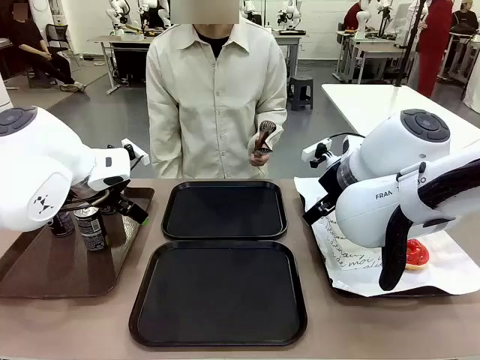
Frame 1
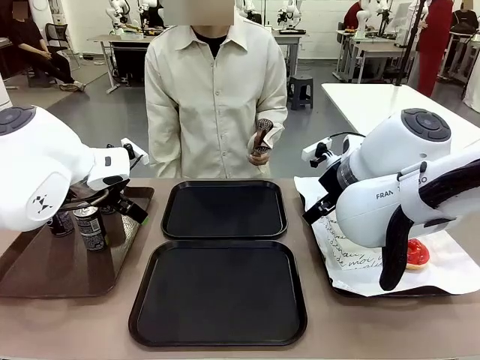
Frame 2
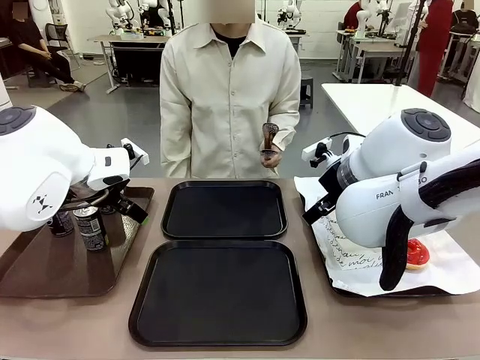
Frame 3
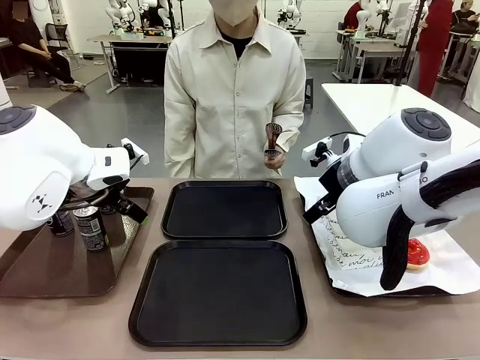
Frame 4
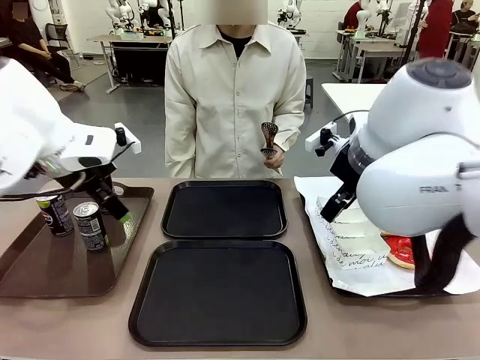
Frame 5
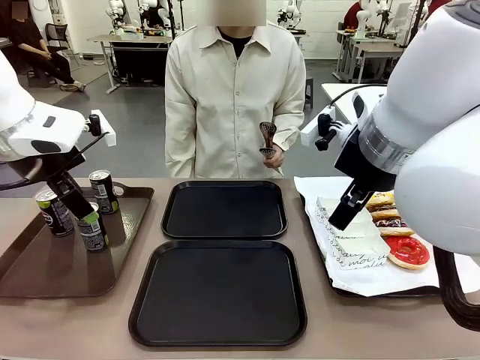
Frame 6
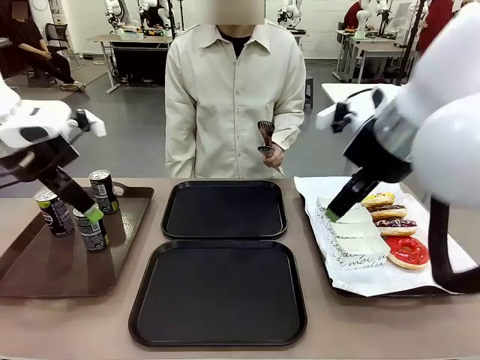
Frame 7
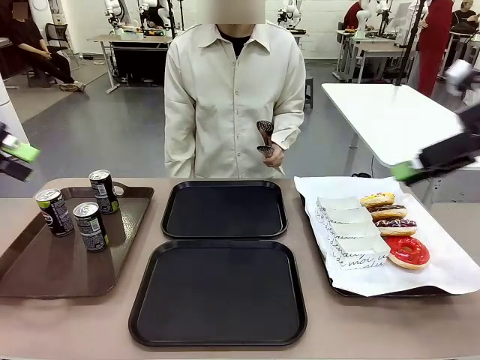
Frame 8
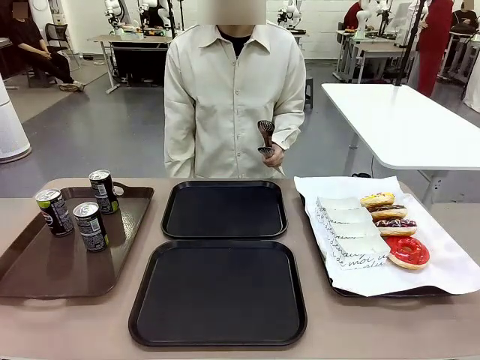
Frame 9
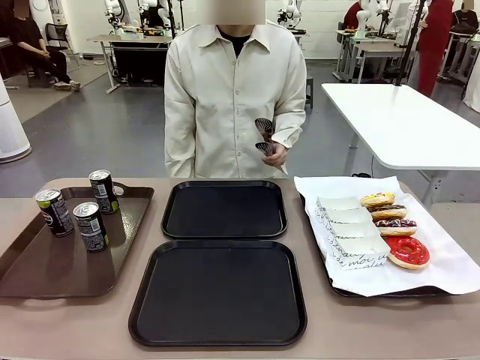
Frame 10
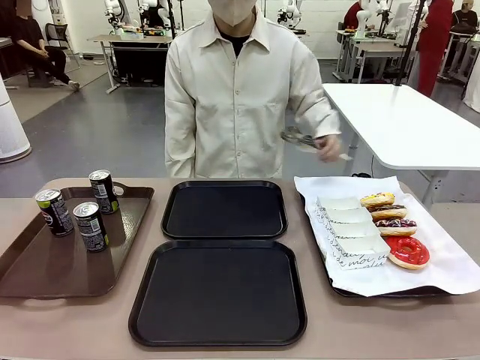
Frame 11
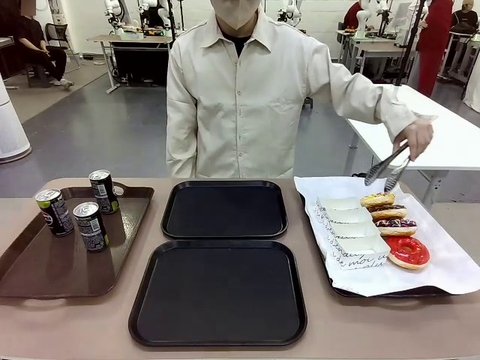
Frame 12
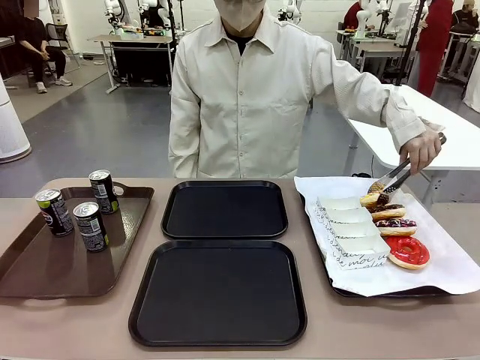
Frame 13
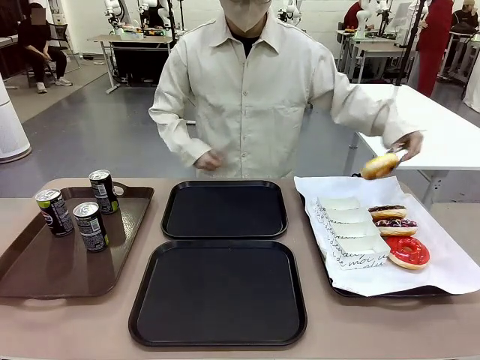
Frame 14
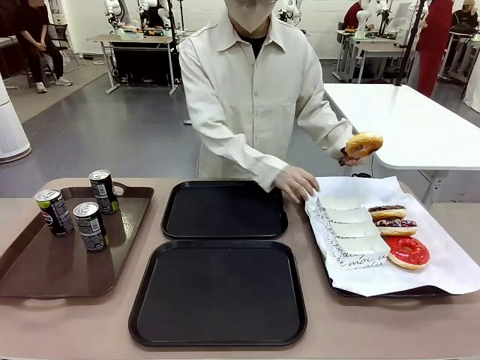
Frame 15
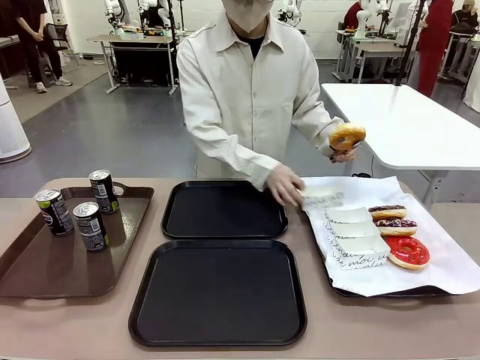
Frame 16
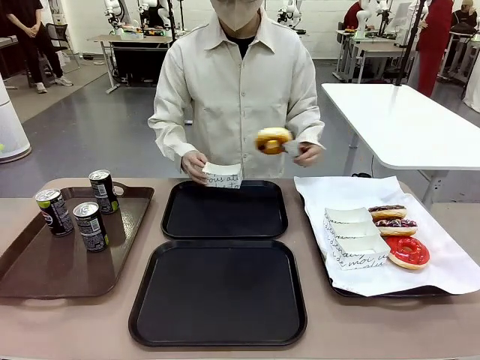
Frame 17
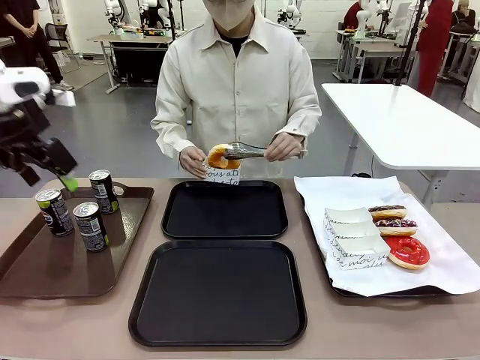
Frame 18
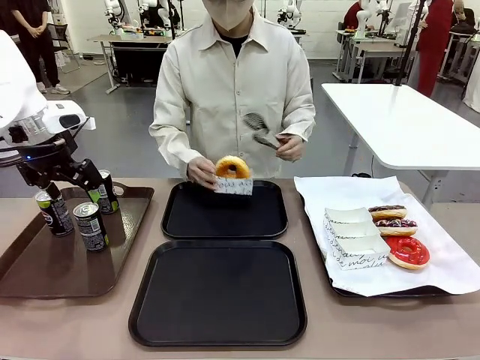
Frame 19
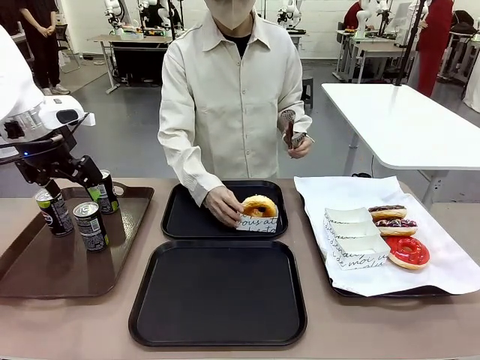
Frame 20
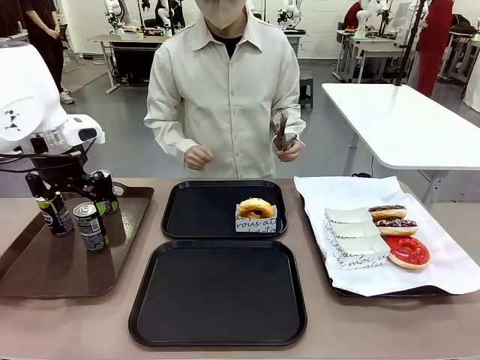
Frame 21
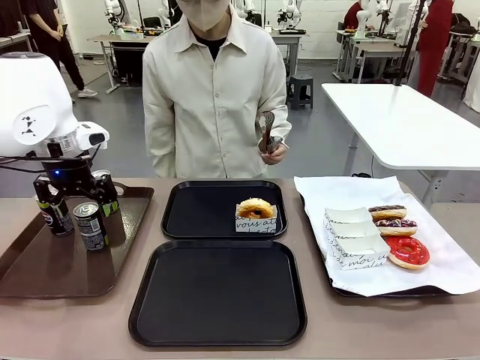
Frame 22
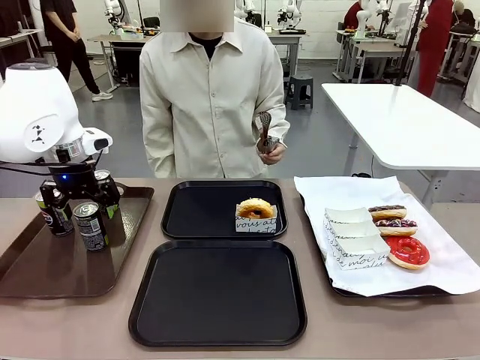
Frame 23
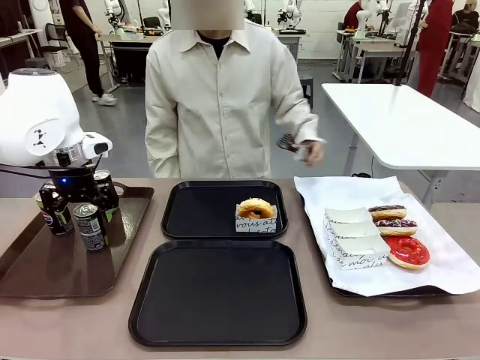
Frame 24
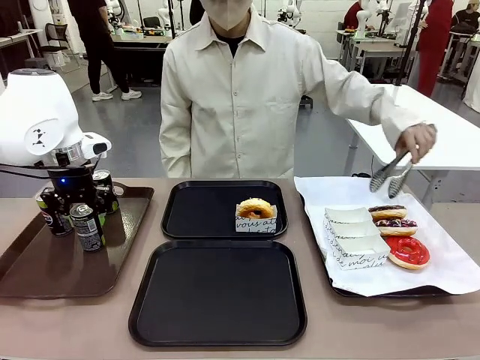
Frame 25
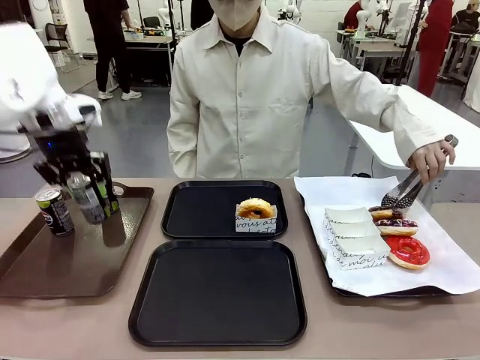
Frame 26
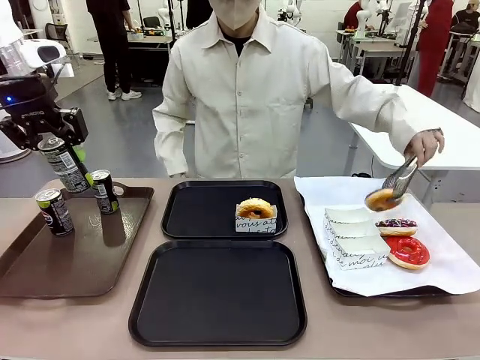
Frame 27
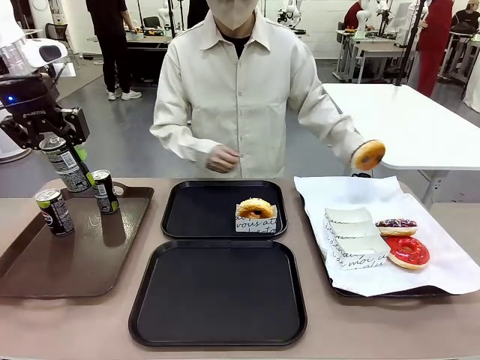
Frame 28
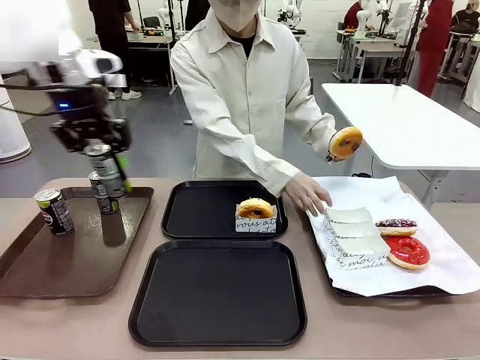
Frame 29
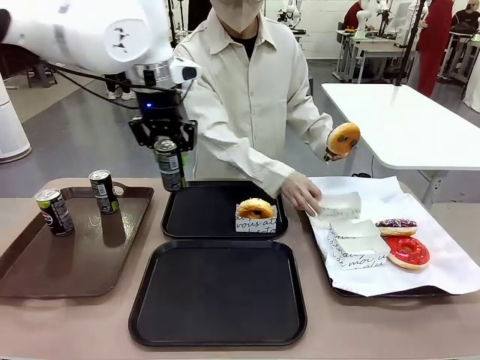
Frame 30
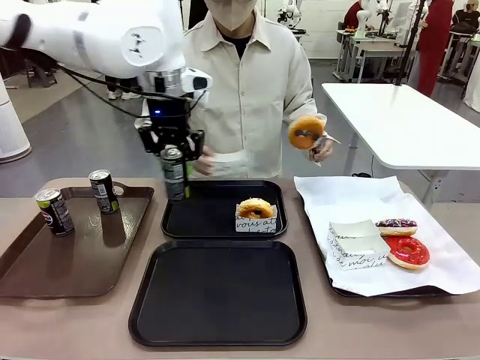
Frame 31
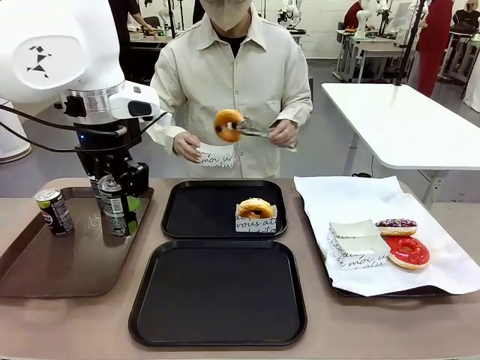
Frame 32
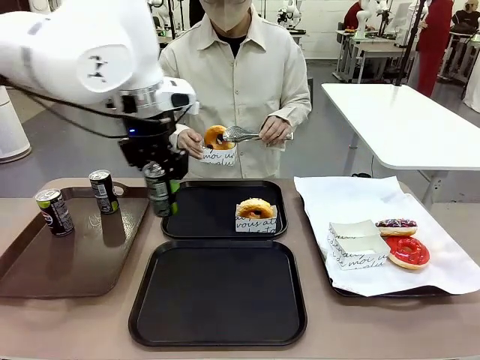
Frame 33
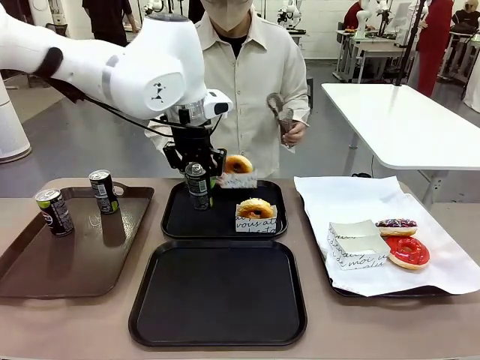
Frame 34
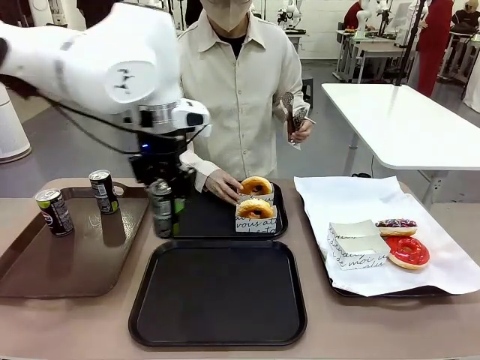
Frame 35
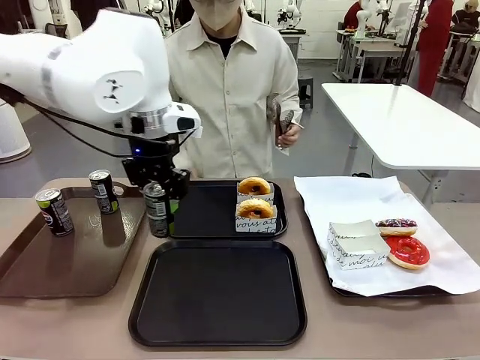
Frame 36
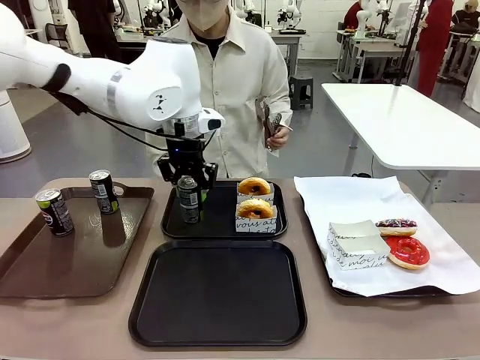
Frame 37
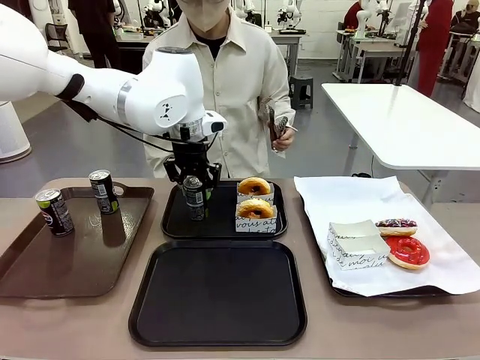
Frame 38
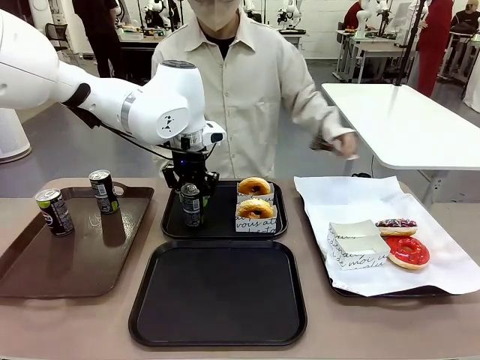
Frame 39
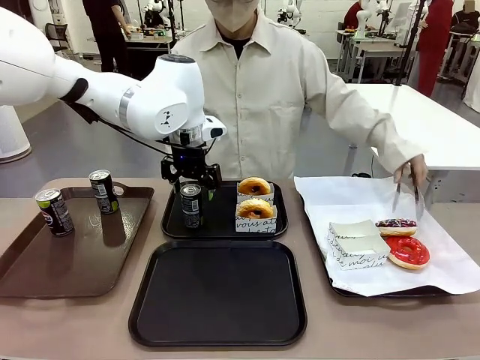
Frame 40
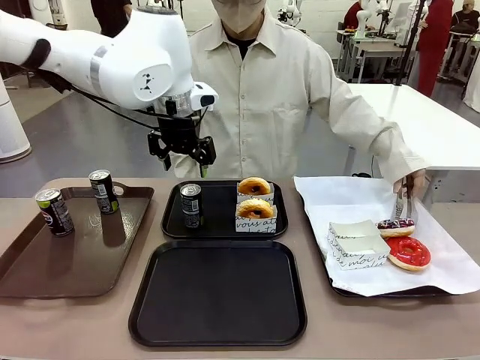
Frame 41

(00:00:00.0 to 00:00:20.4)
Task: Set up donuts and drinks on trays.
Robot: Pick up one Pepsi coke and place it on the Flat Tray.
